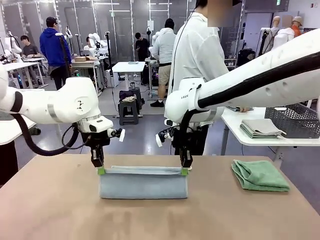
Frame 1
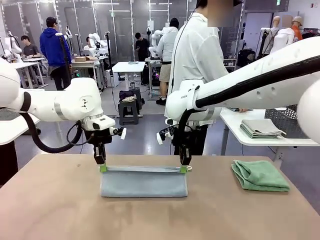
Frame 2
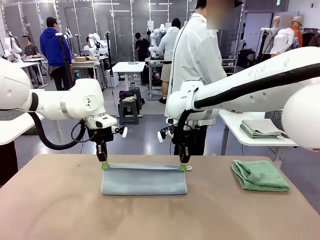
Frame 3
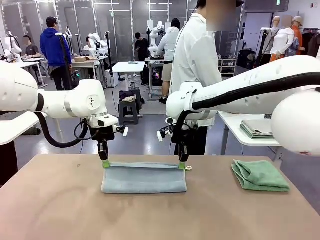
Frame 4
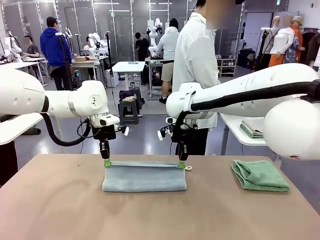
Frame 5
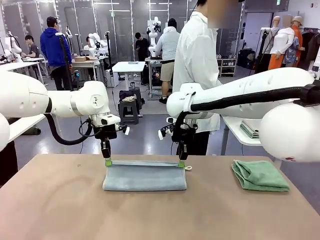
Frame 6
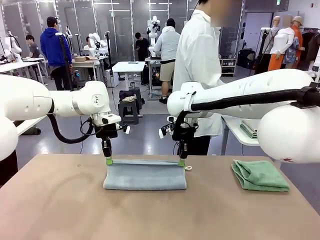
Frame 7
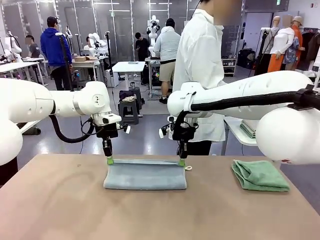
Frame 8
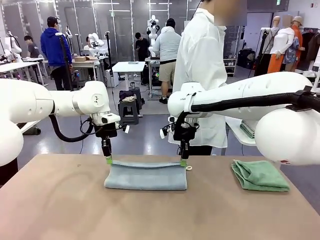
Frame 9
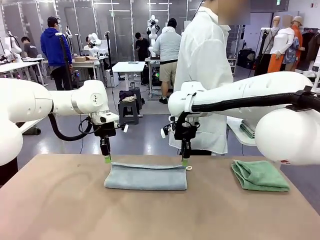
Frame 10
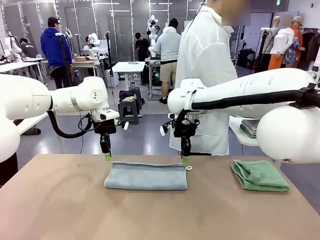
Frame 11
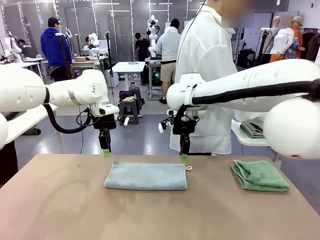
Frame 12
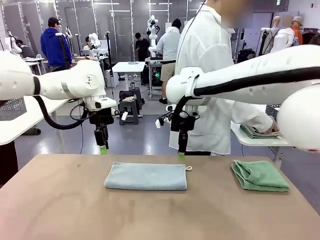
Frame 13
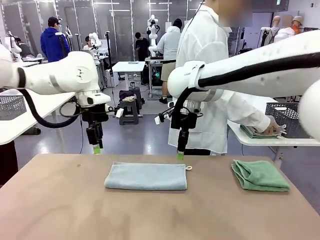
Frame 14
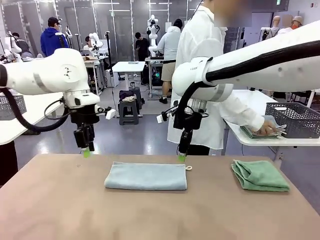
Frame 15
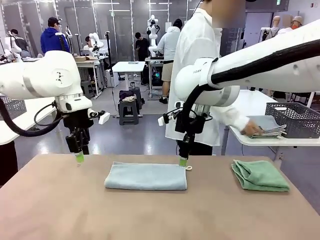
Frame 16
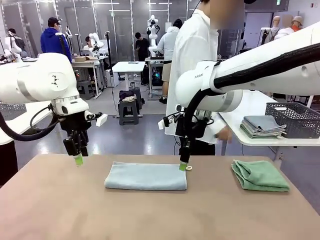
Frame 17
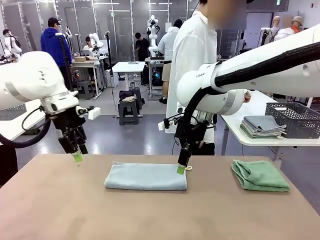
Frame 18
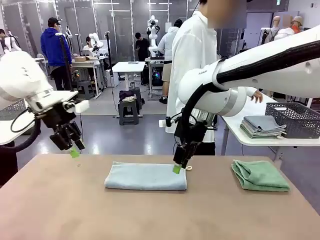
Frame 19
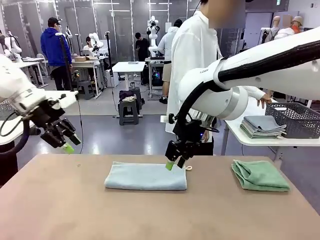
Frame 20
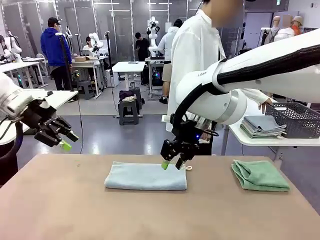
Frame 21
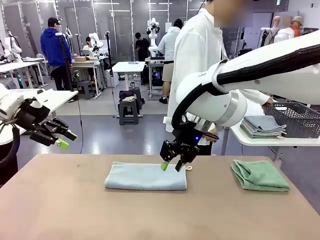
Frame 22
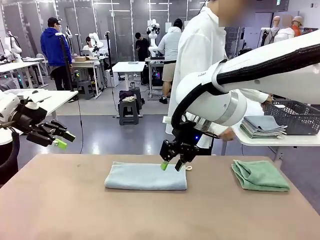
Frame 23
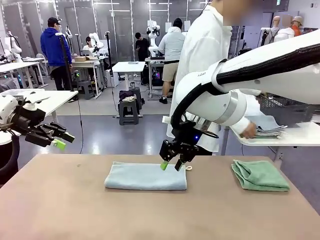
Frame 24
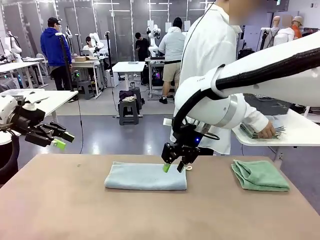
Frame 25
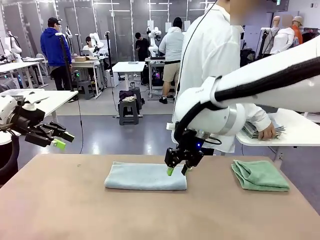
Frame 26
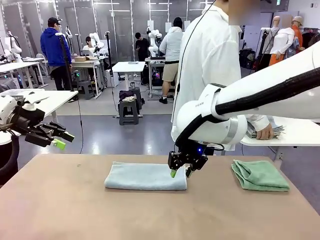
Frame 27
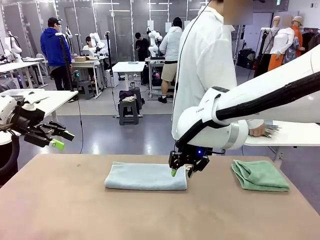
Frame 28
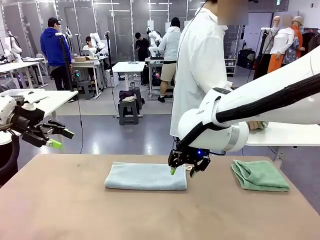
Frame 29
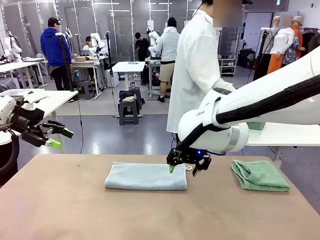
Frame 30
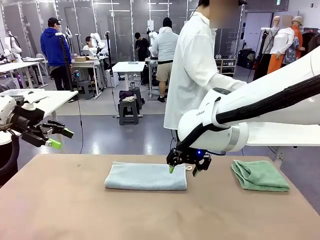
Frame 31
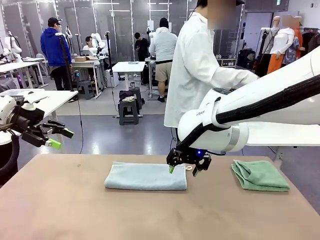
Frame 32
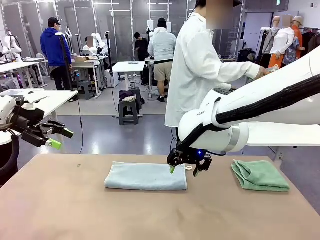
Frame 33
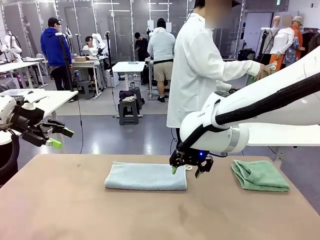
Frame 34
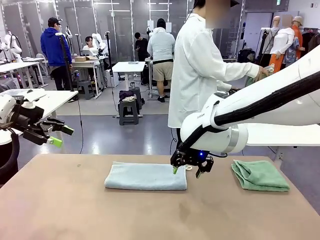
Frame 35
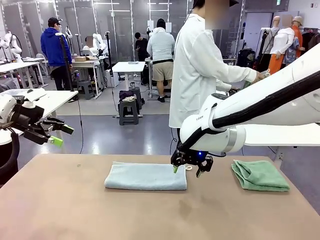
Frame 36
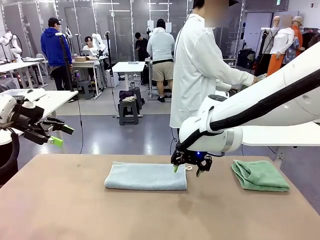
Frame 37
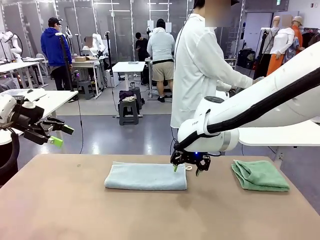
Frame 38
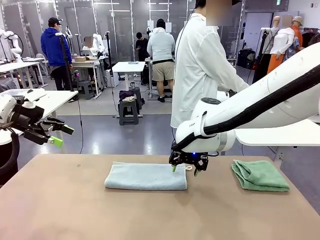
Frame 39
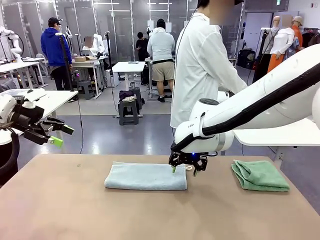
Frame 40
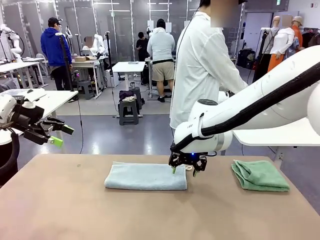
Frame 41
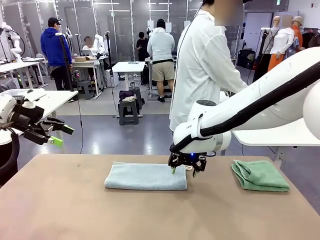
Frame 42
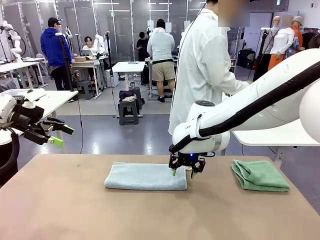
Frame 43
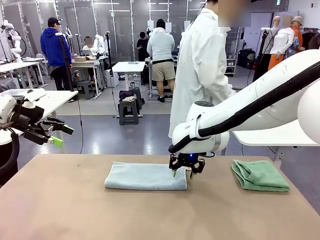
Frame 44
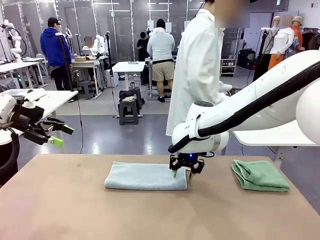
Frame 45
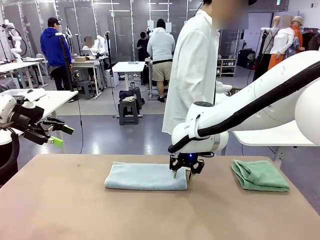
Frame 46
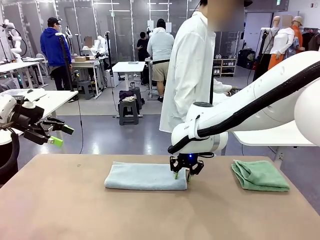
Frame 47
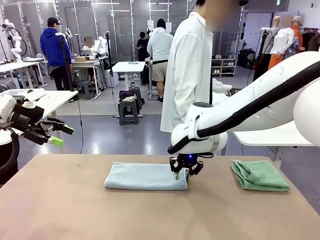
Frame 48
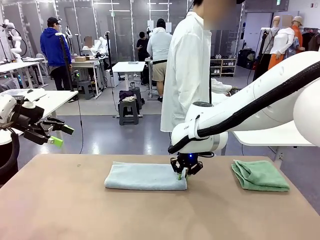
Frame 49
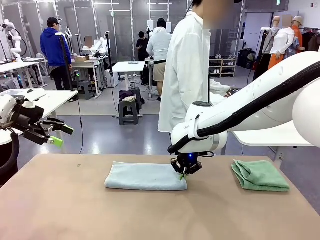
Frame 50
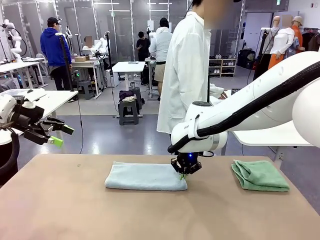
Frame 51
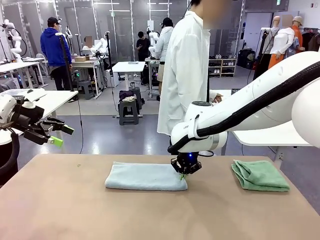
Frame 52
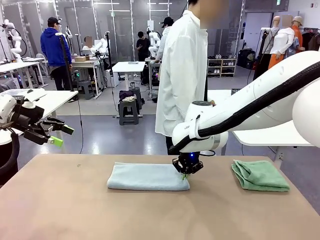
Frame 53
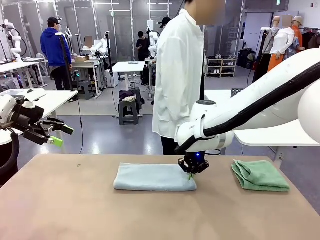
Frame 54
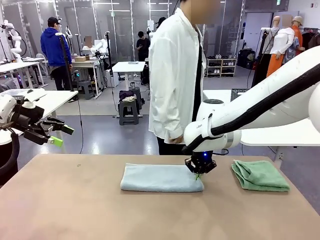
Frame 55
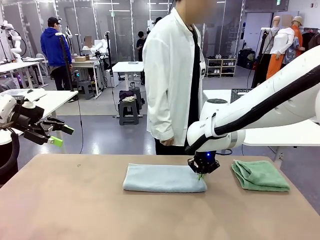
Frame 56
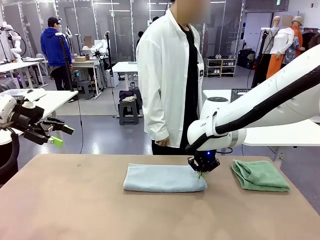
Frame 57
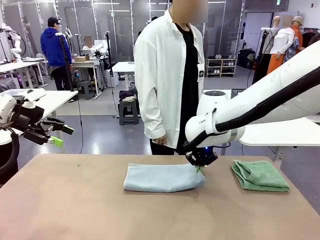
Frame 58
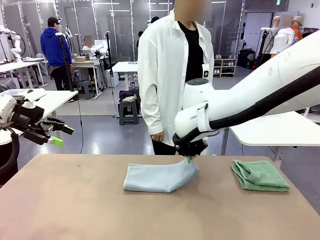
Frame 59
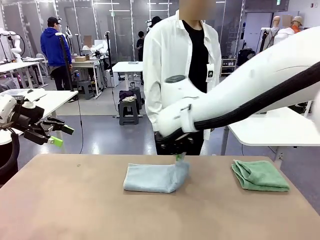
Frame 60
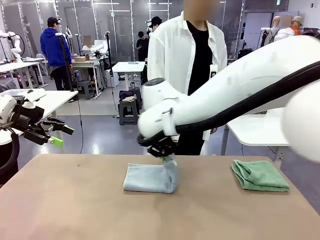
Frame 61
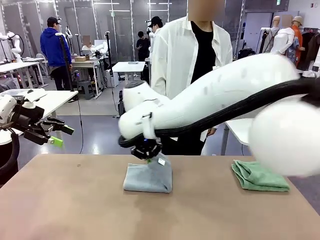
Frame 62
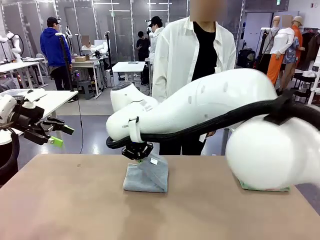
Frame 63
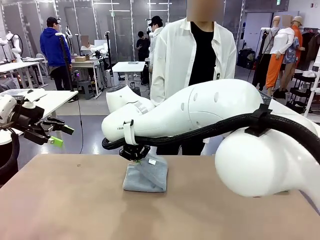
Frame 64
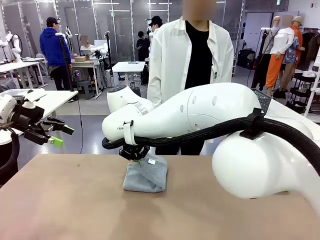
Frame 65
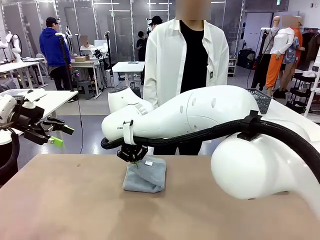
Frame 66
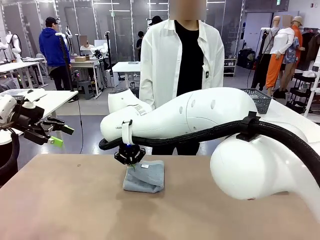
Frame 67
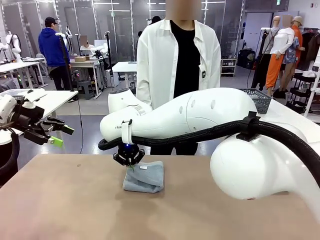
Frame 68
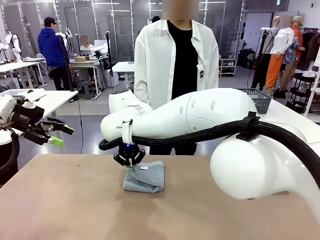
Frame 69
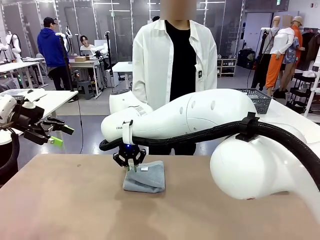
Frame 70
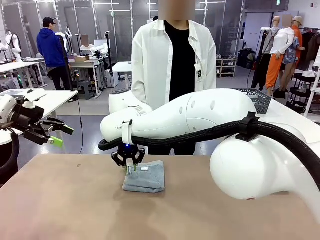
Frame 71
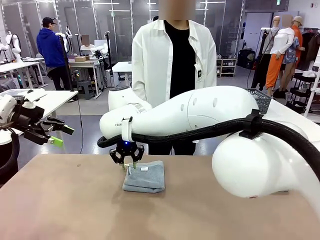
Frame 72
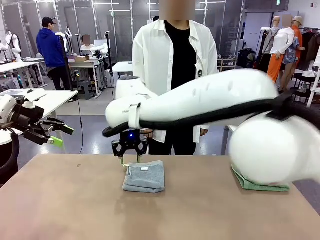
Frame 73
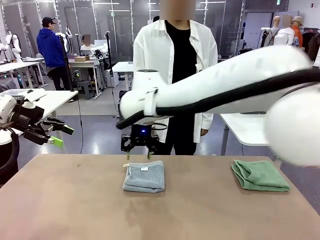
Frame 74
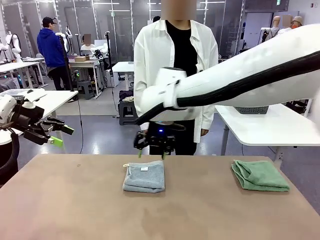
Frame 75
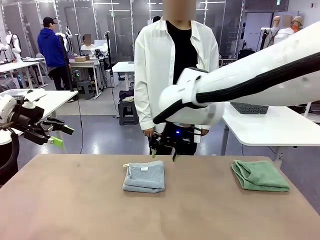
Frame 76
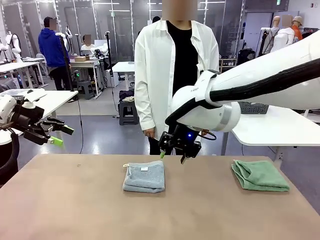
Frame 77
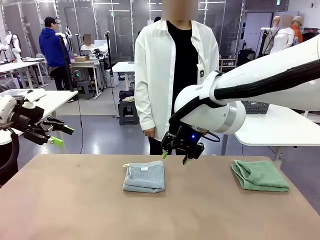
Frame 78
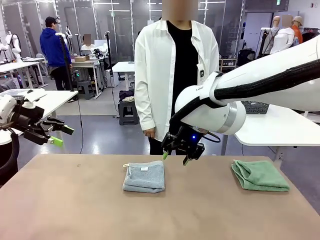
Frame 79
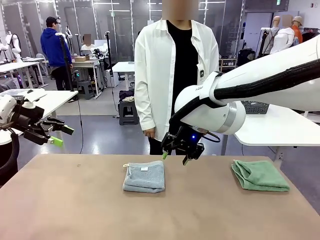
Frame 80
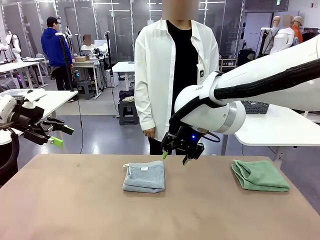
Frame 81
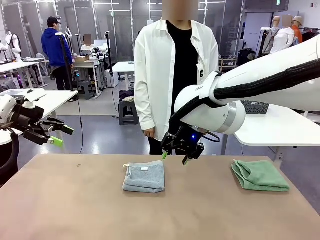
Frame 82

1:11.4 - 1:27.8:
Task: Fold the towels and place them in the basket.
Robot: When a person lays out a Towel with hook on the table, fold it in half twice.
Person: Pick up the stack of towels from the right side of the human table, place it into the basket, and put the basket at the center of the table.

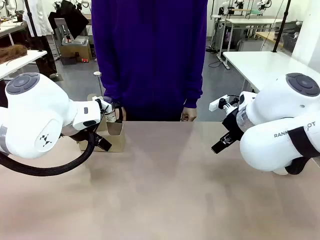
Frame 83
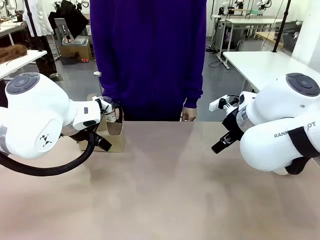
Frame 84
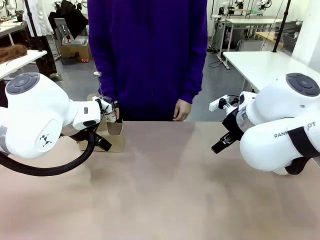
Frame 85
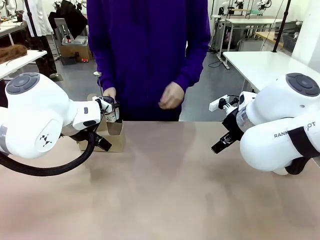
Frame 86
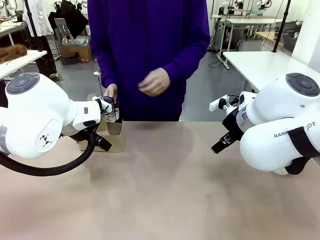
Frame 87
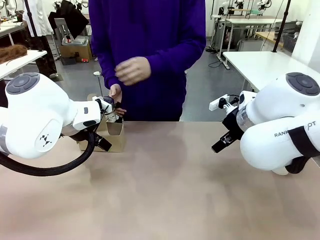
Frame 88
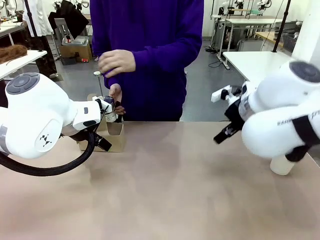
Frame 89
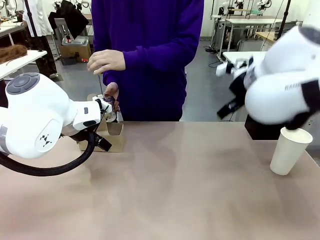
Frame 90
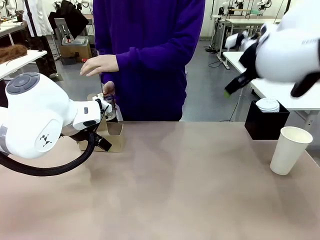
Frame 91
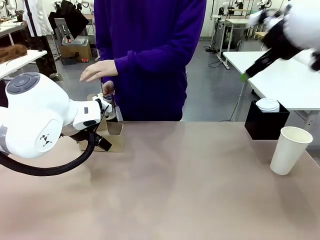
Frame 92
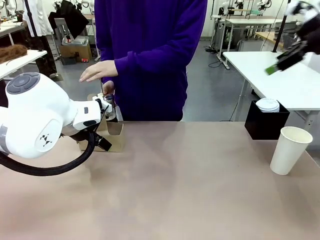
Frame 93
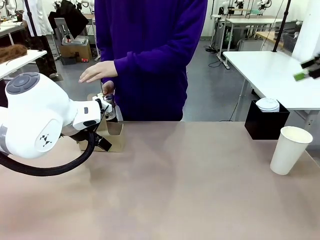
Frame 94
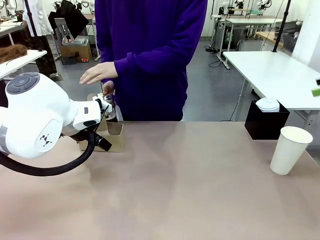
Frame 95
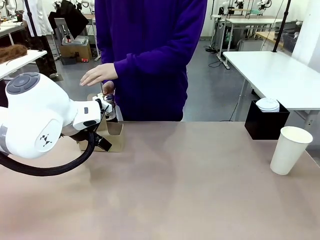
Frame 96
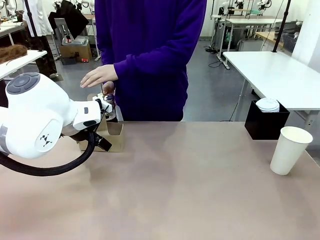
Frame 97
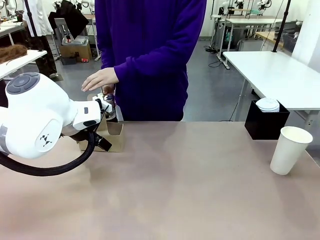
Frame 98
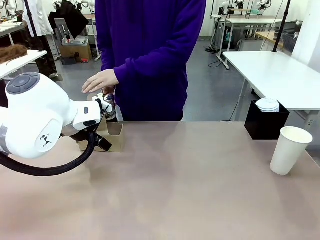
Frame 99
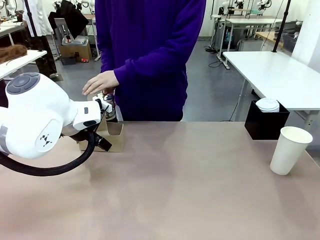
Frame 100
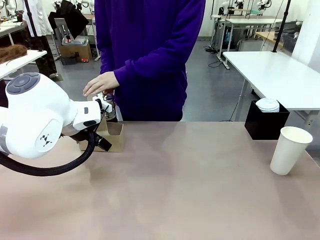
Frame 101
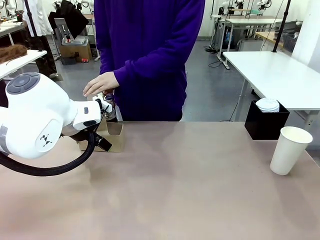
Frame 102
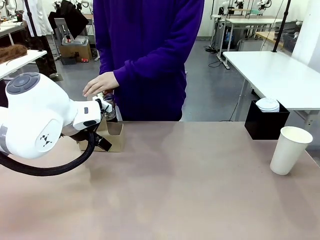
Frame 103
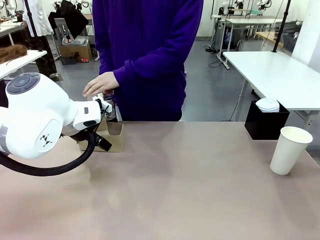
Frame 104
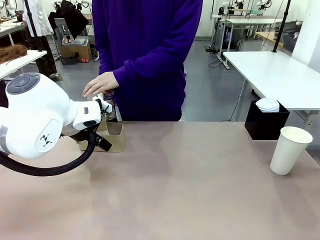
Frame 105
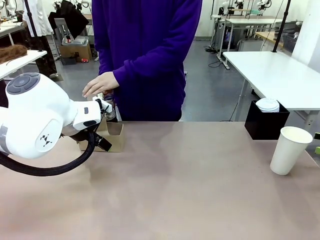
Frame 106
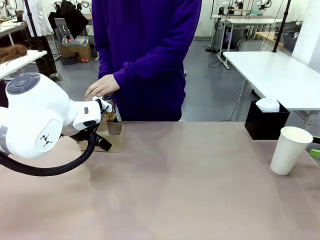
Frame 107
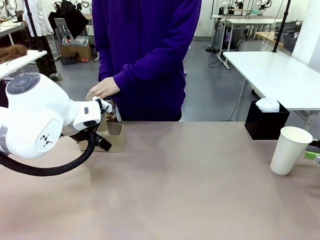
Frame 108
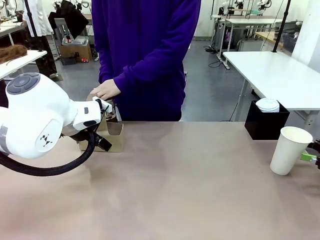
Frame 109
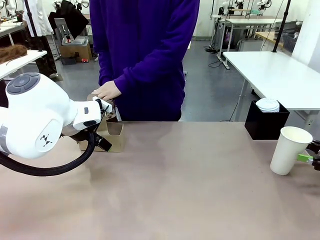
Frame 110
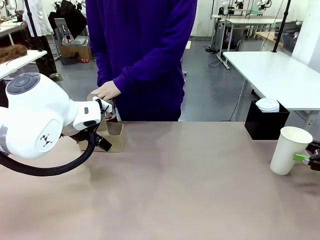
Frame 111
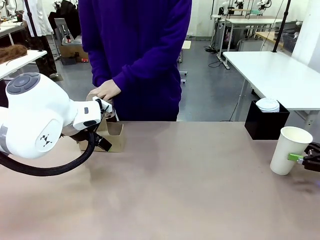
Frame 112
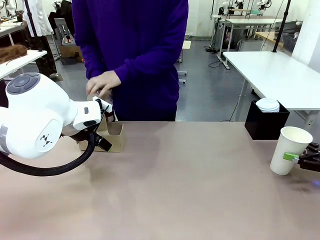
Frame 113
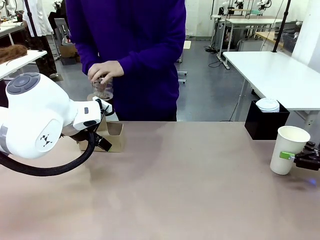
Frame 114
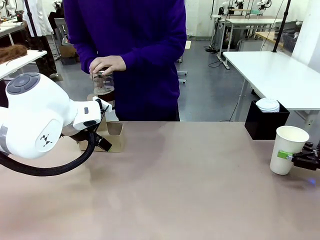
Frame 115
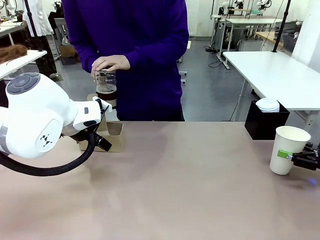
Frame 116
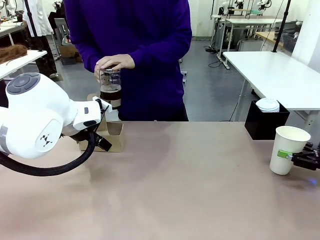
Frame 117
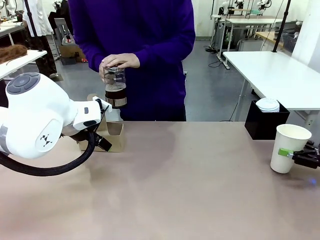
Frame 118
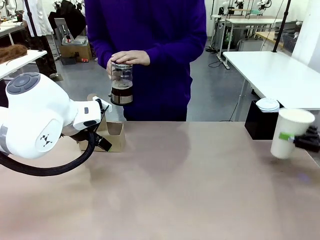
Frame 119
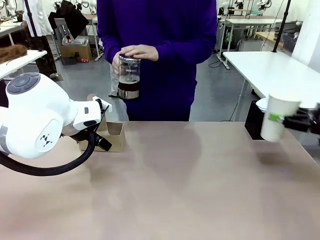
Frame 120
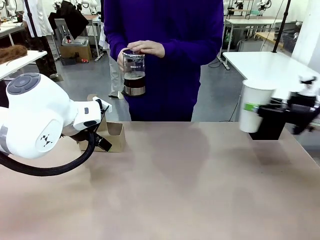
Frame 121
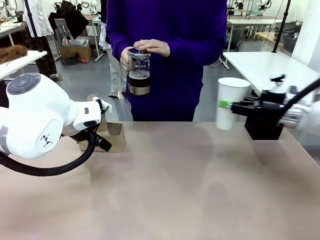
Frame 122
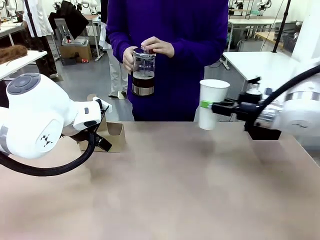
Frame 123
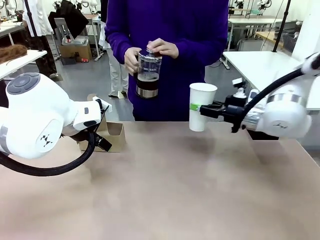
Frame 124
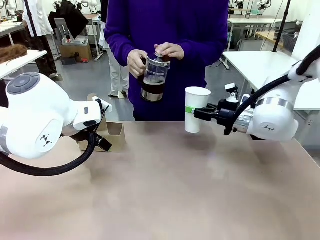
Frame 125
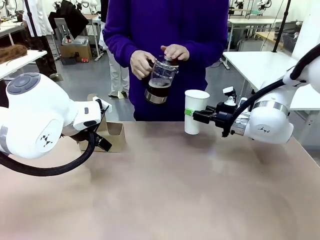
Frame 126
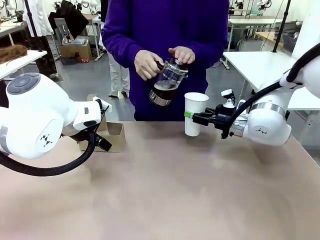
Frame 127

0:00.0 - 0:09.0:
Task: Pour a drink into a cup and package it in a carrier.
Robot: Pick up the 600 ml Paper Cup and place it in the middle top area of the table.
Person: Press and pick up the Filter Brewing.
